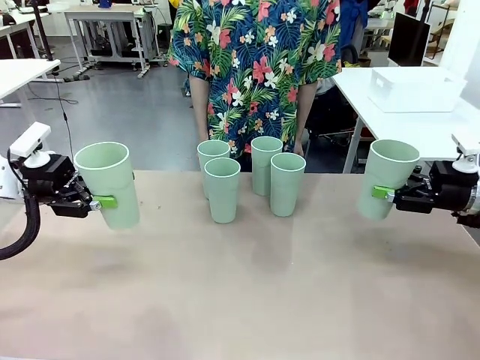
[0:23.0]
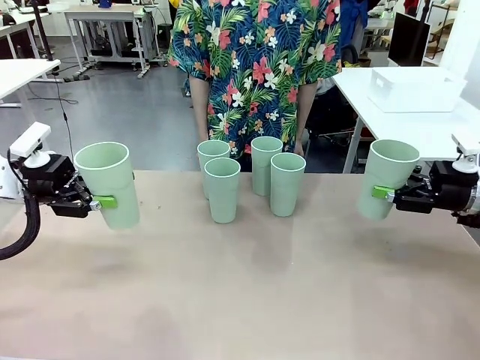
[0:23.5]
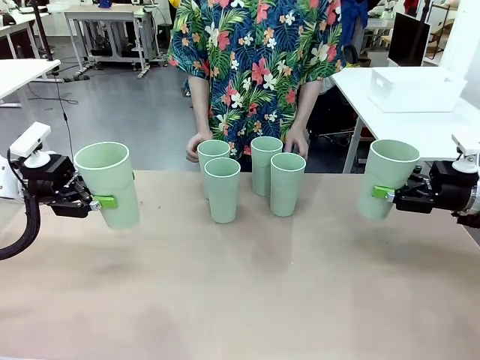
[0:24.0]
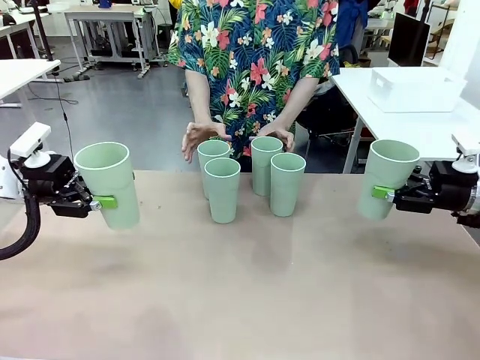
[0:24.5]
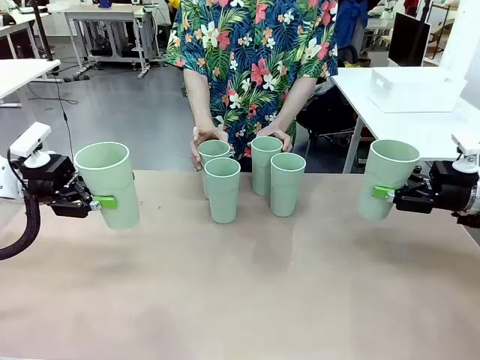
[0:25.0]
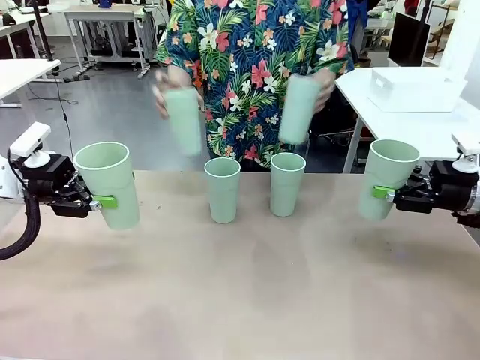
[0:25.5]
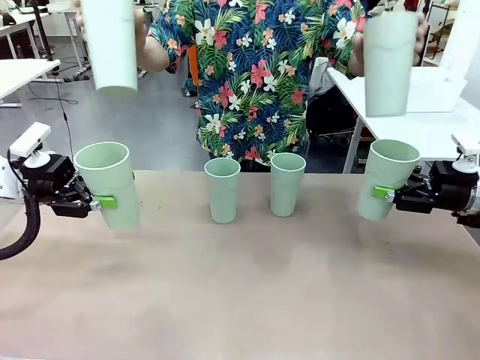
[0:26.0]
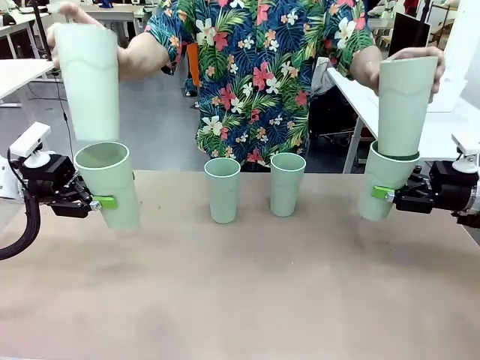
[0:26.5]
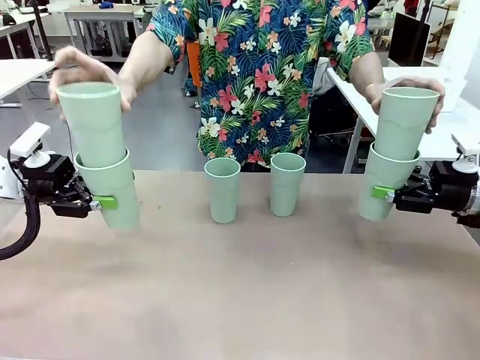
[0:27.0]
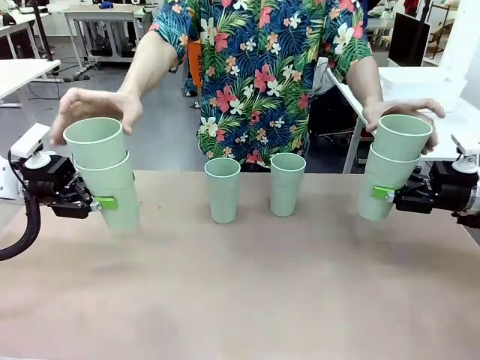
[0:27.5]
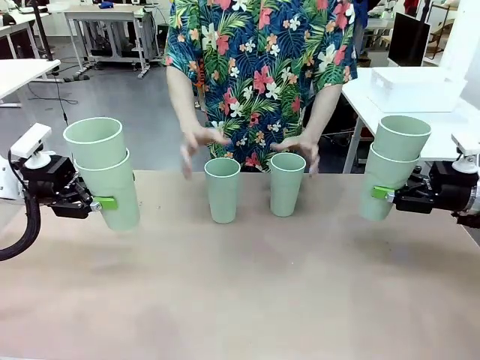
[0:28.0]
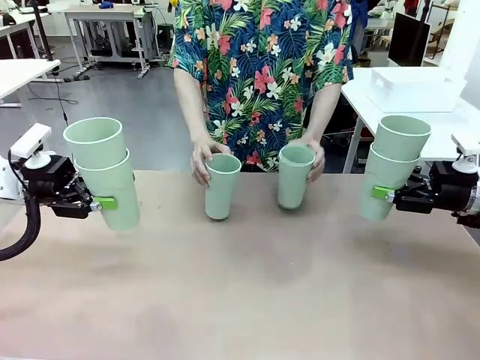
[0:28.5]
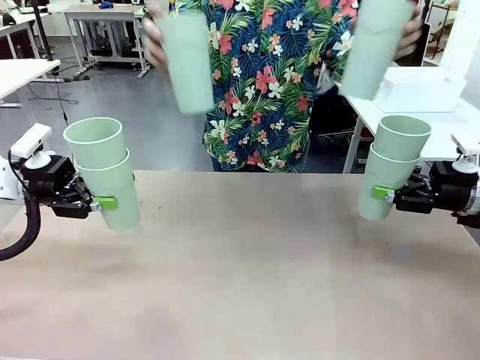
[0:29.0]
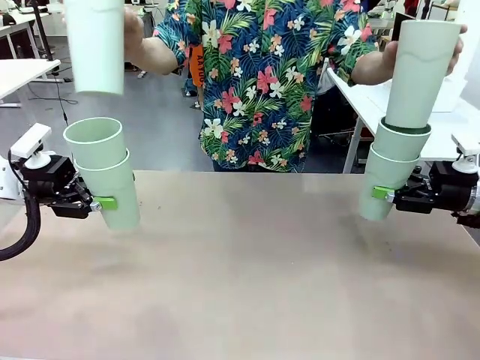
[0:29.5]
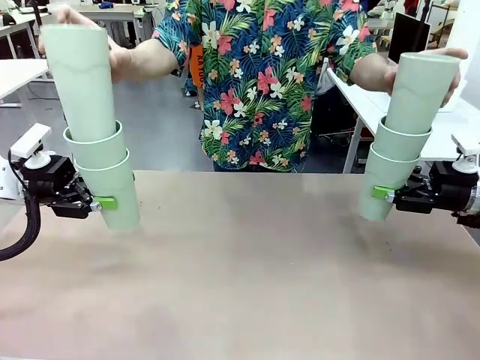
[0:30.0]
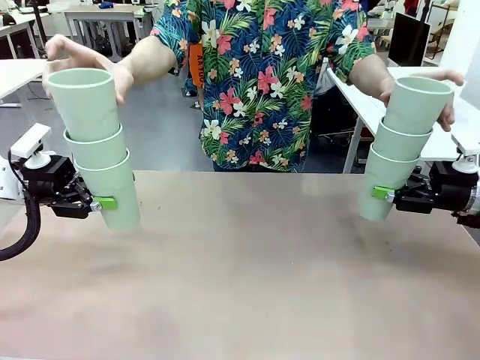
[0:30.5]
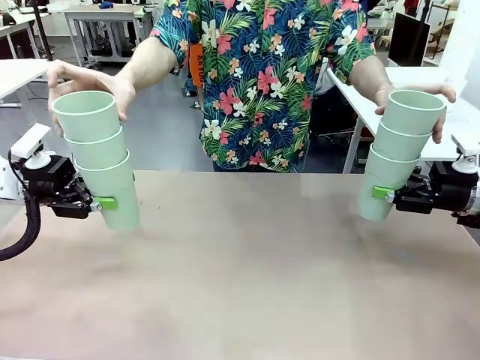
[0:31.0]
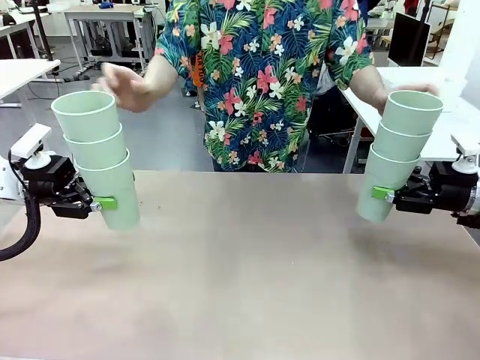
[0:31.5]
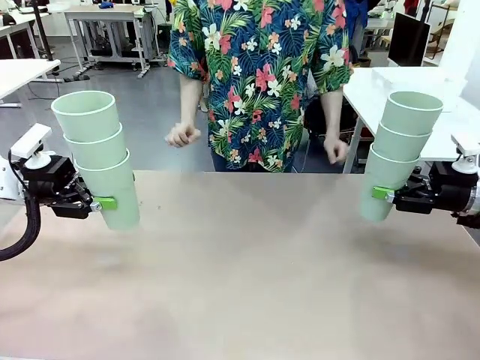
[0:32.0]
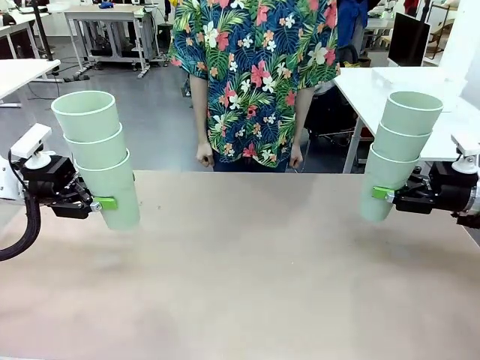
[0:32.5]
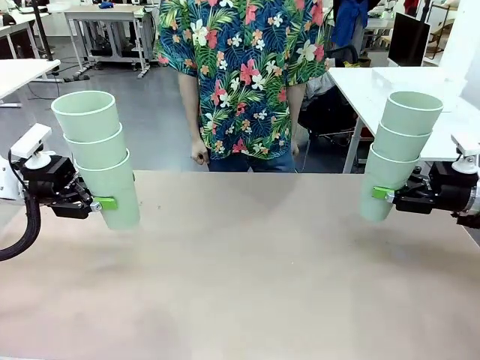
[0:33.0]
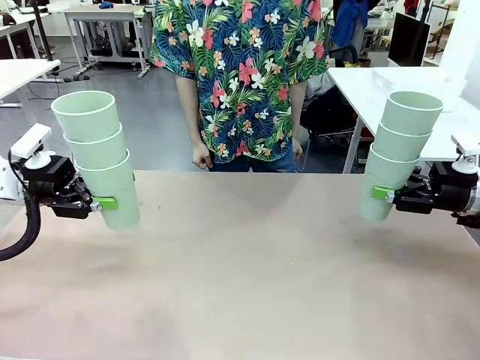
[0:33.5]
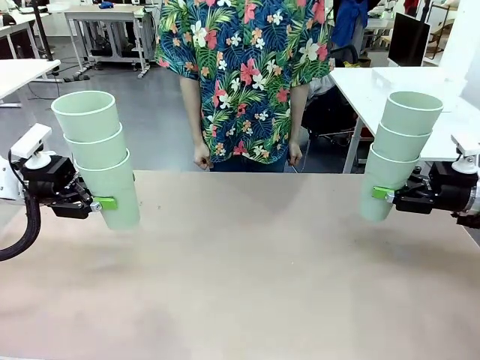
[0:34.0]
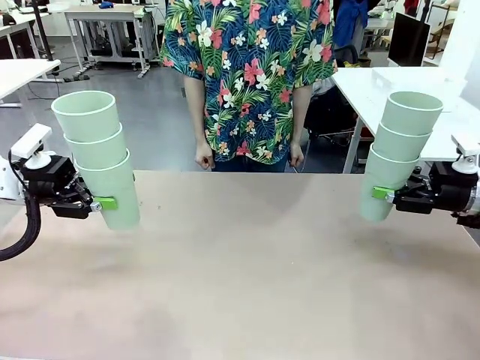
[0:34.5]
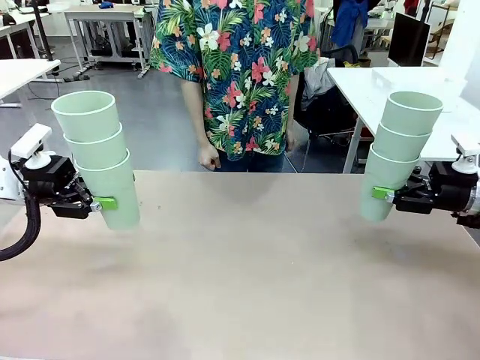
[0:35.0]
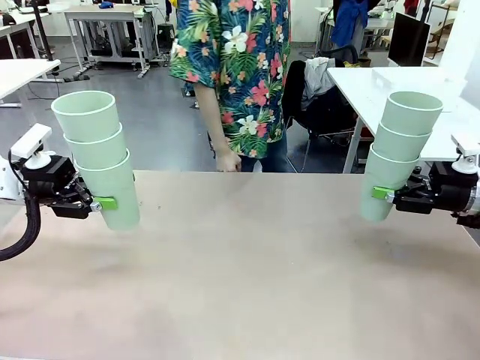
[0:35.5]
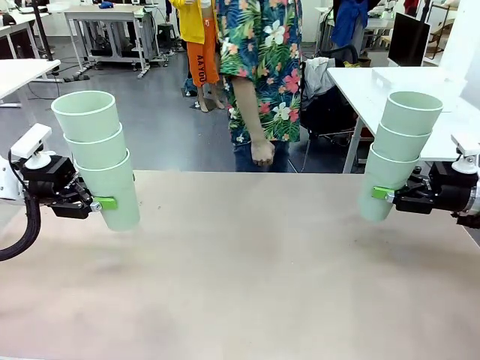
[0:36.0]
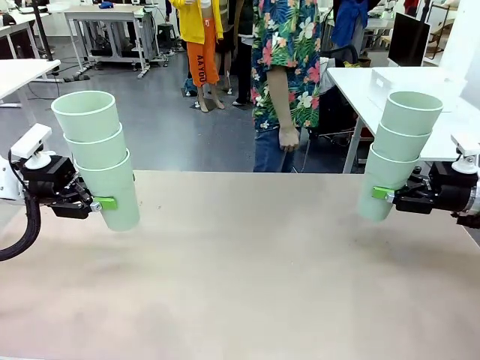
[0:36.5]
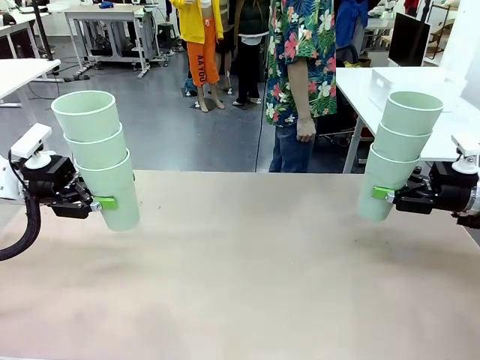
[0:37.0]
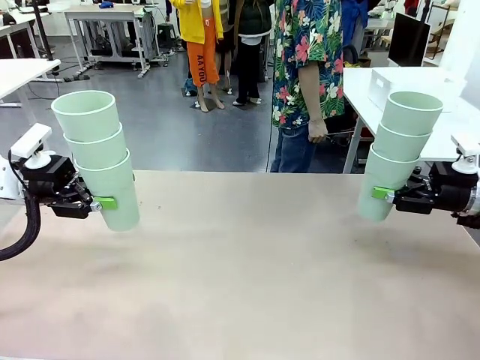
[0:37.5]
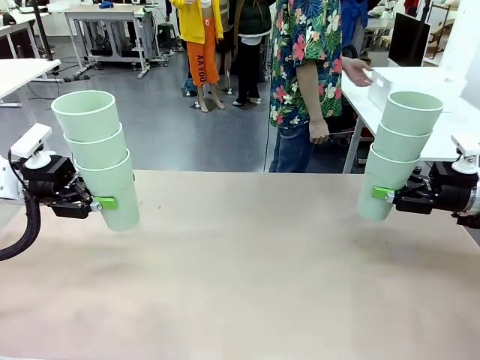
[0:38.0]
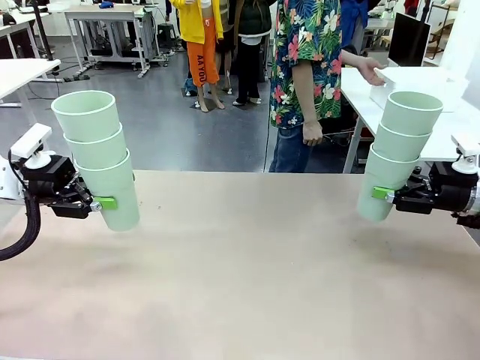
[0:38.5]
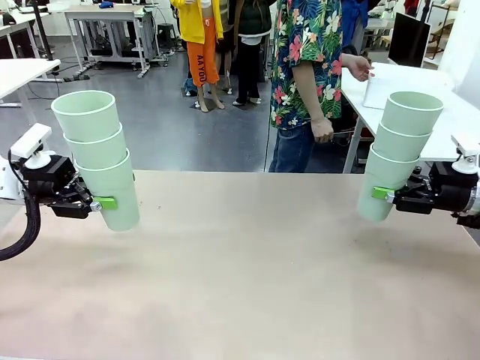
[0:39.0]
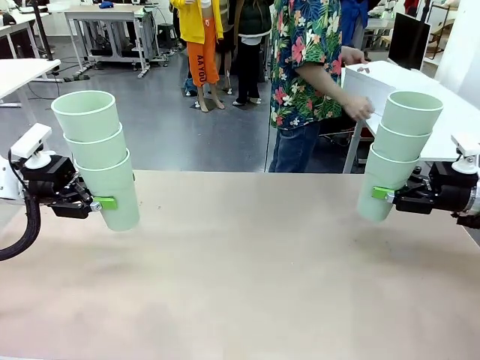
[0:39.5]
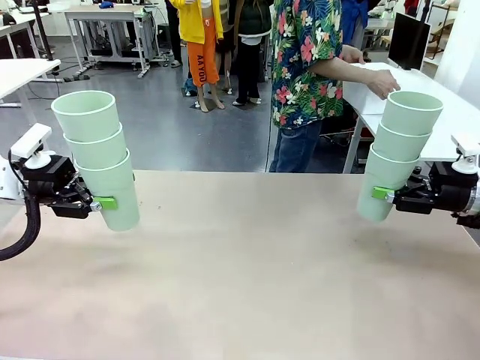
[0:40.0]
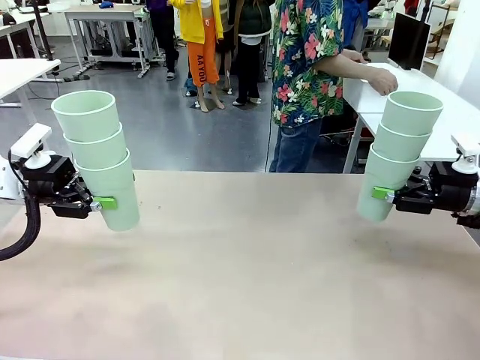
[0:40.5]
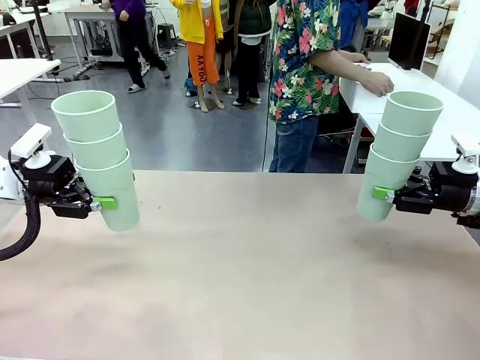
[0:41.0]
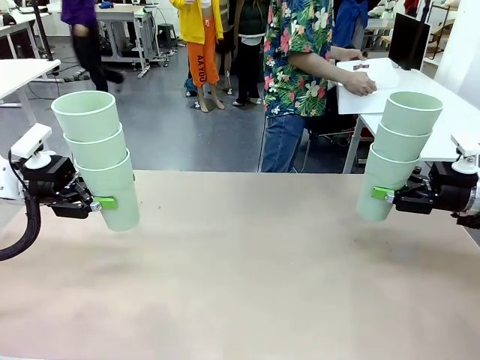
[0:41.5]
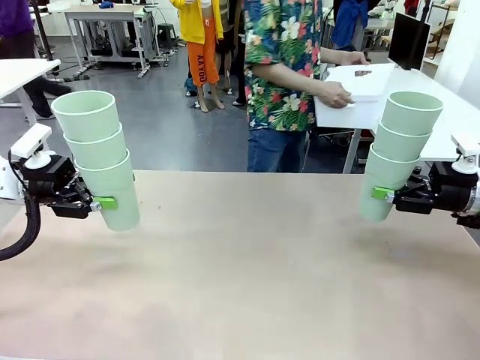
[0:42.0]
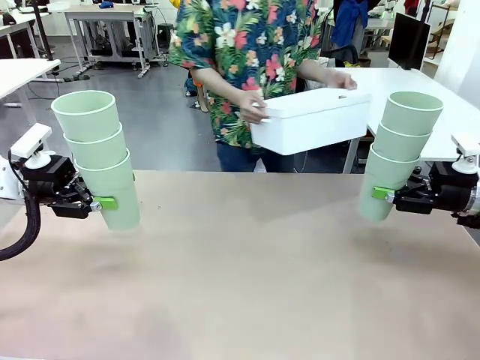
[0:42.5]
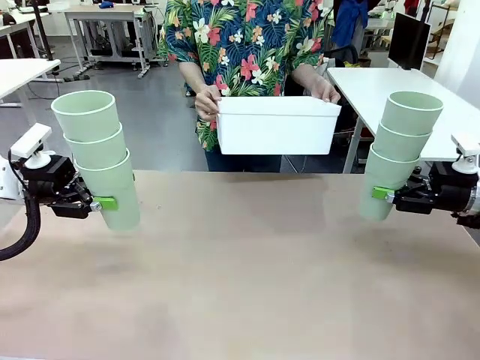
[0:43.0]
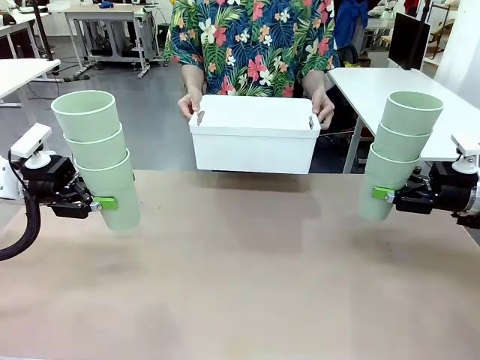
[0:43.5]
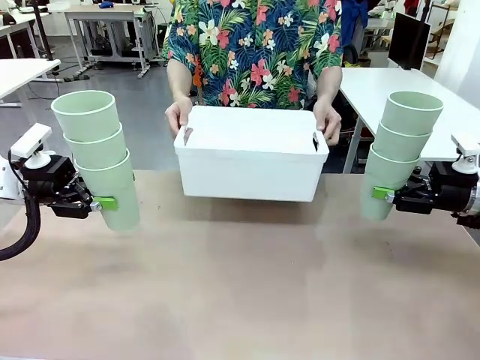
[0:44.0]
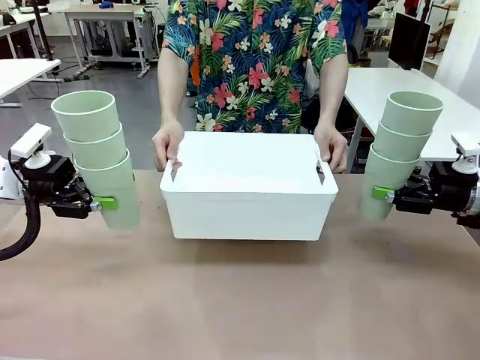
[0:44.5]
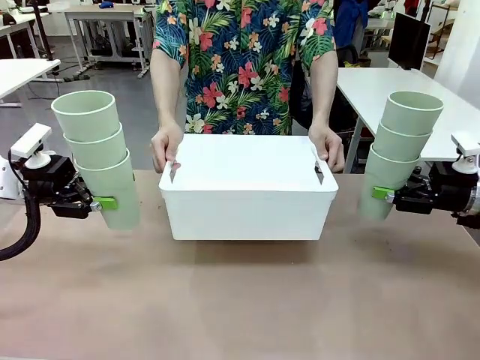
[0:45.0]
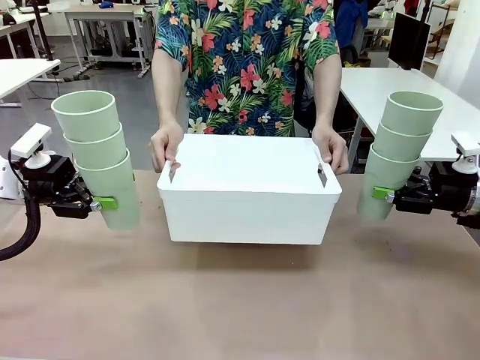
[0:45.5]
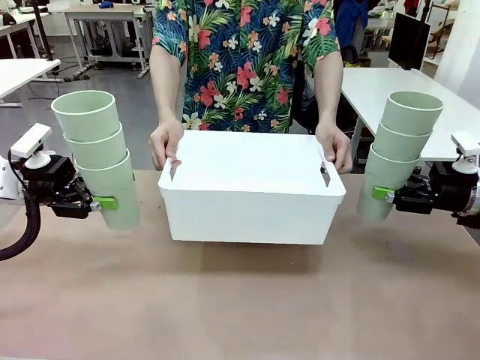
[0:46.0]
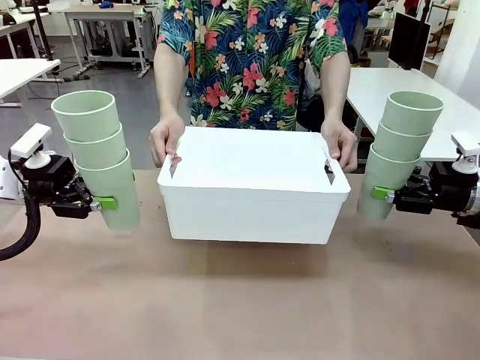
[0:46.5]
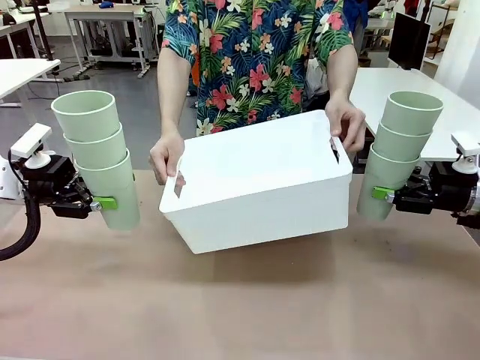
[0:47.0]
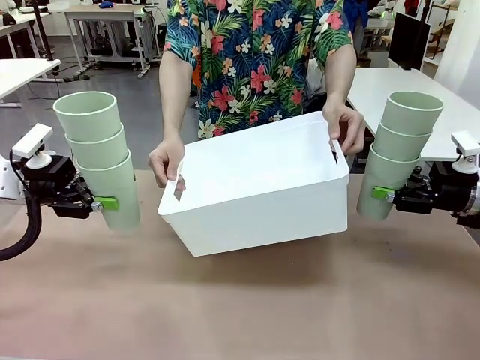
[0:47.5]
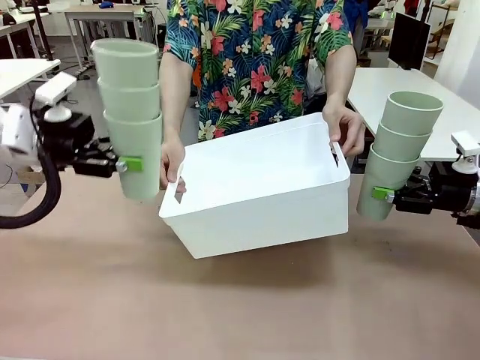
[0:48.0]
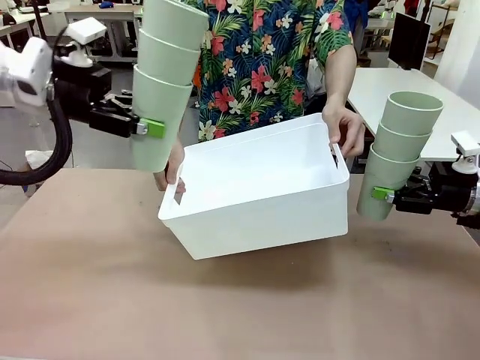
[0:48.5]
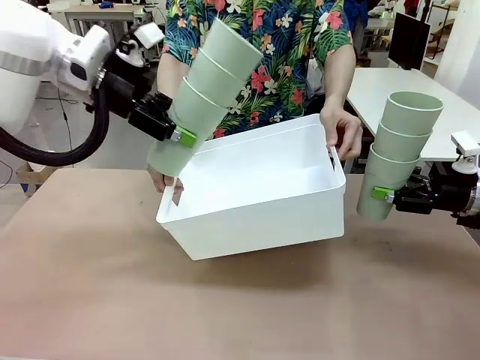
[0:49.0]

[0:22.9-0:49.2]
Task: Stack the cups and store them in the basket.
Robot: Place the stack of Reusable plastic cups into the Pantry Basket.
Person: Pick up the basket from the Human Table, bring it to the front of the robot, and present it.
